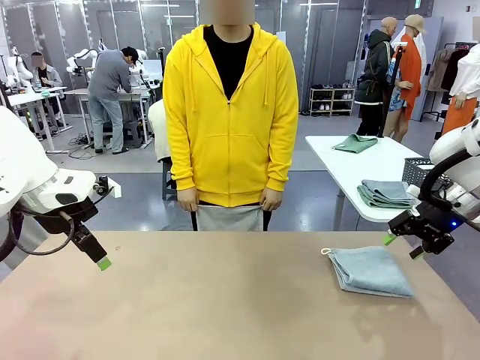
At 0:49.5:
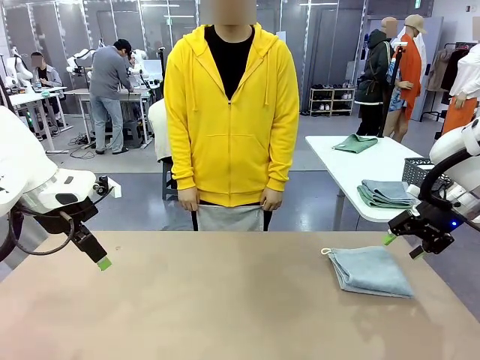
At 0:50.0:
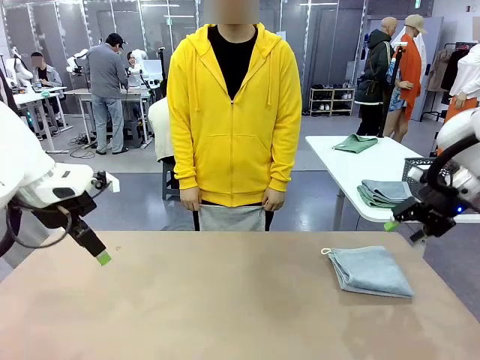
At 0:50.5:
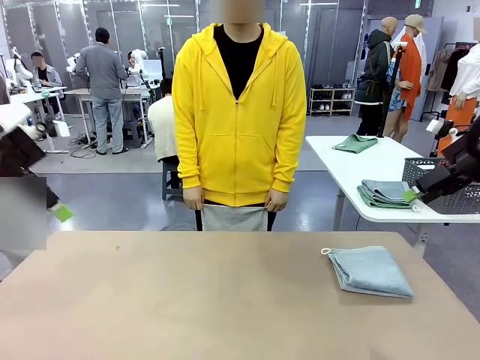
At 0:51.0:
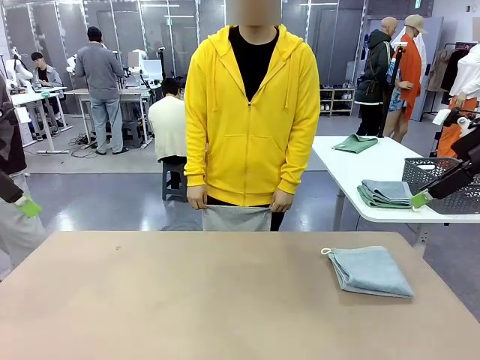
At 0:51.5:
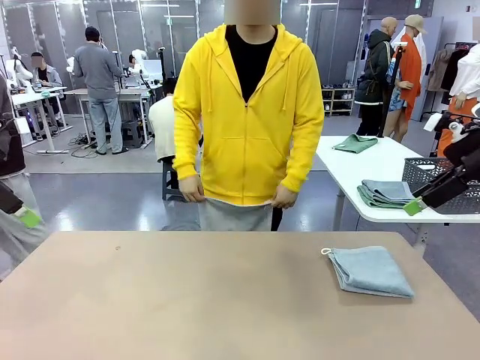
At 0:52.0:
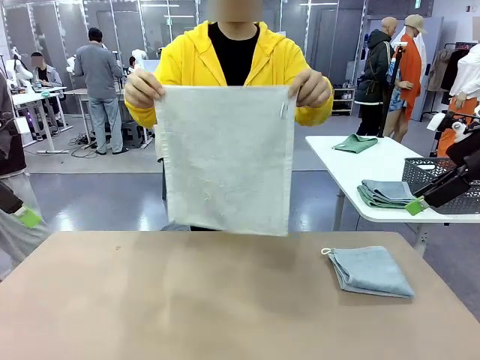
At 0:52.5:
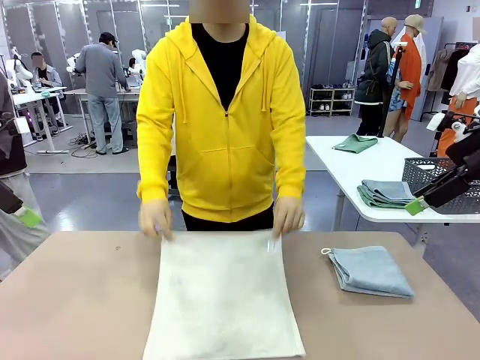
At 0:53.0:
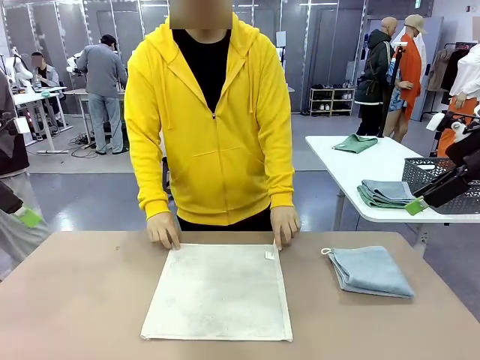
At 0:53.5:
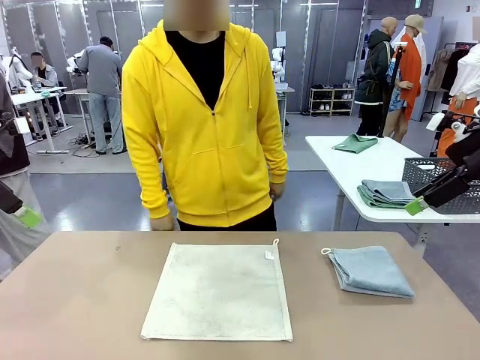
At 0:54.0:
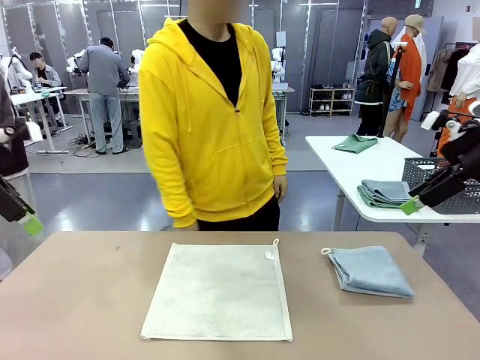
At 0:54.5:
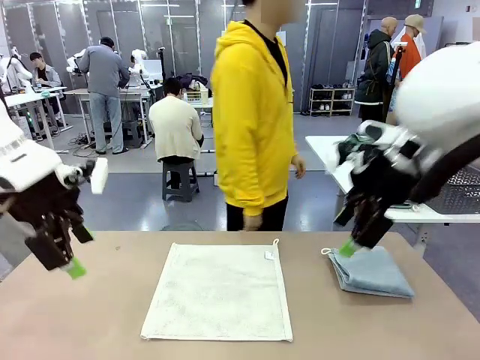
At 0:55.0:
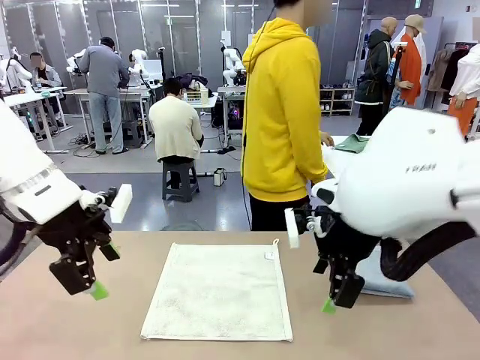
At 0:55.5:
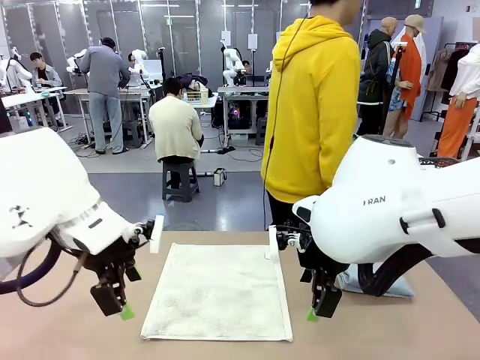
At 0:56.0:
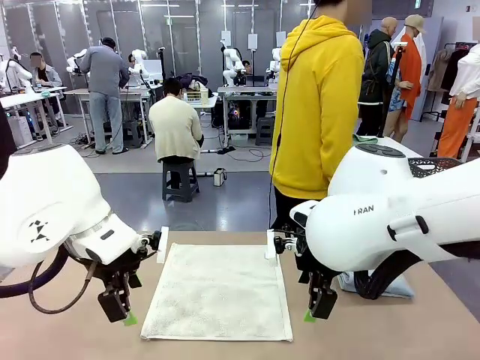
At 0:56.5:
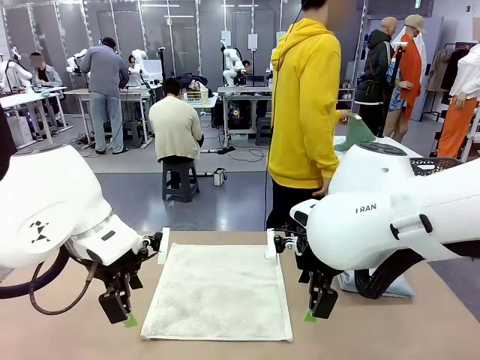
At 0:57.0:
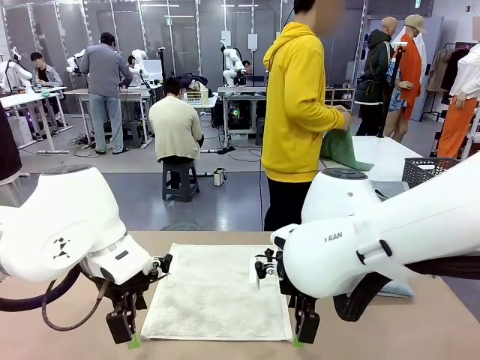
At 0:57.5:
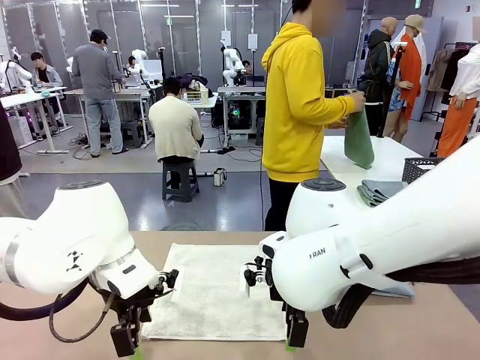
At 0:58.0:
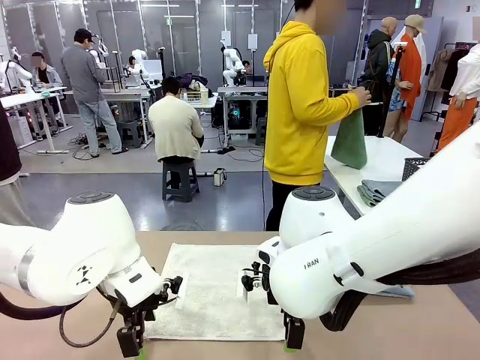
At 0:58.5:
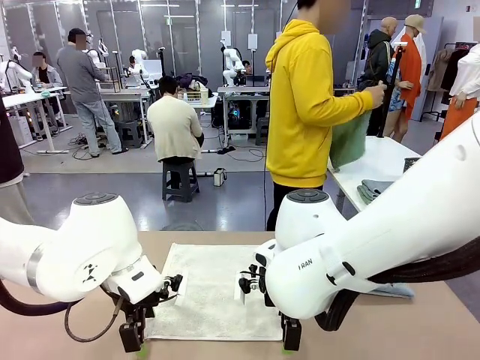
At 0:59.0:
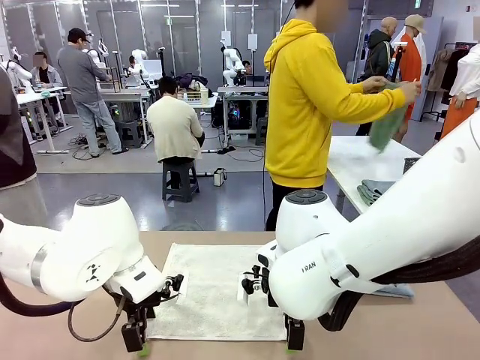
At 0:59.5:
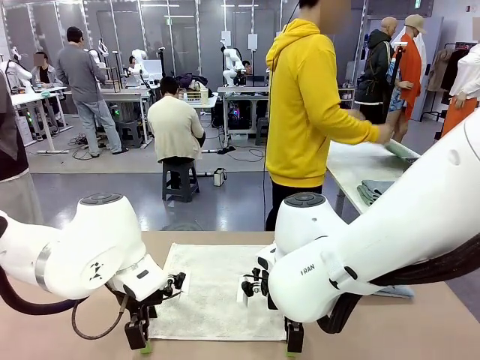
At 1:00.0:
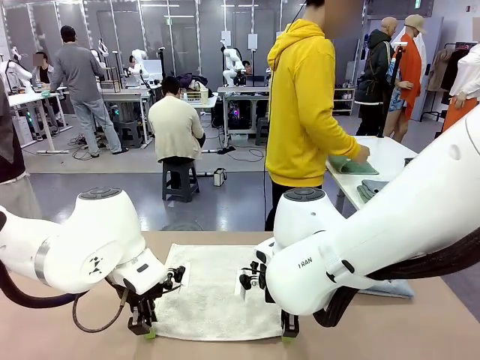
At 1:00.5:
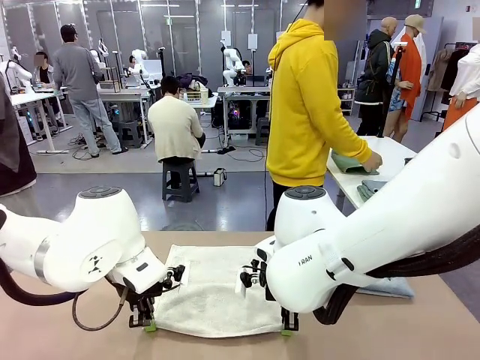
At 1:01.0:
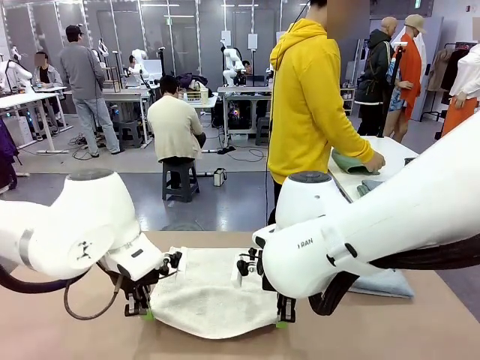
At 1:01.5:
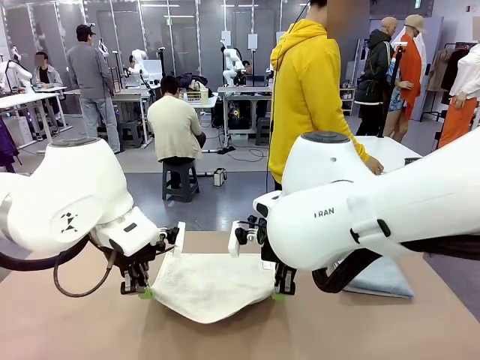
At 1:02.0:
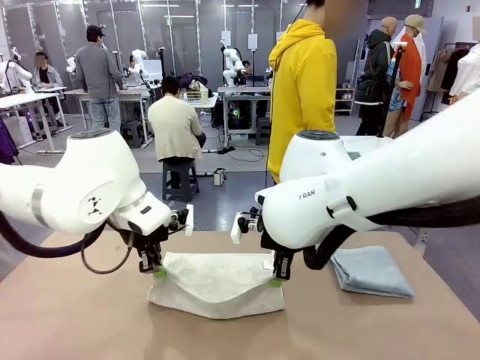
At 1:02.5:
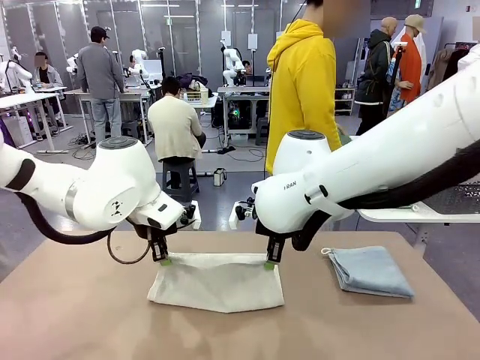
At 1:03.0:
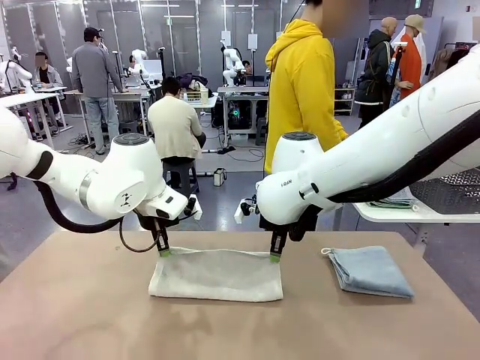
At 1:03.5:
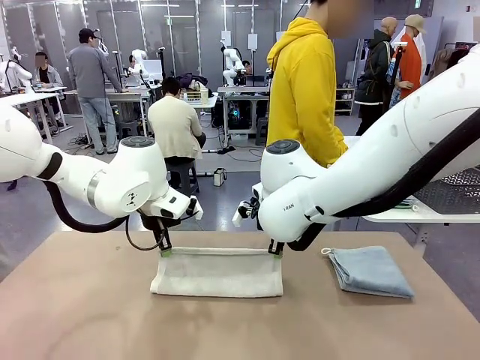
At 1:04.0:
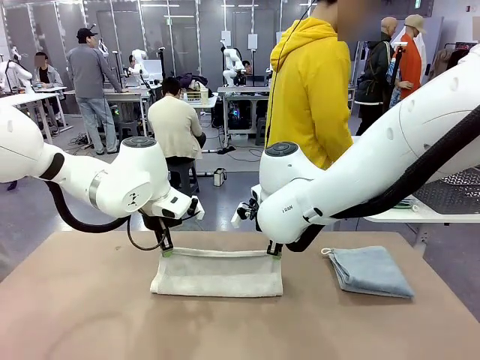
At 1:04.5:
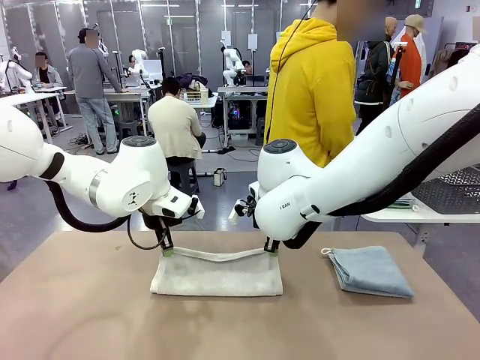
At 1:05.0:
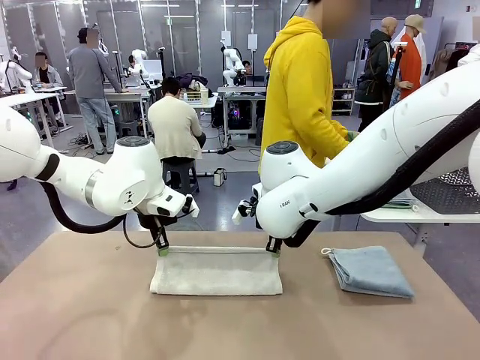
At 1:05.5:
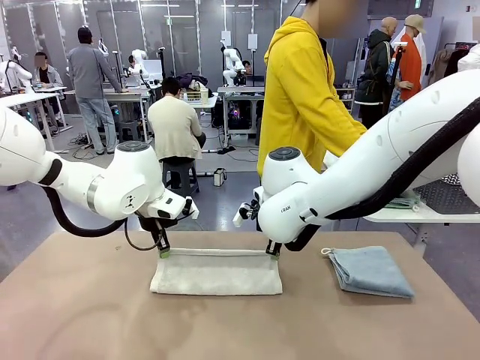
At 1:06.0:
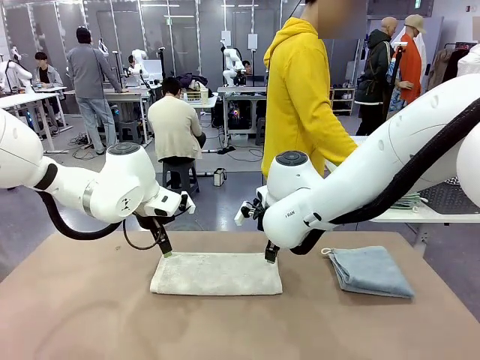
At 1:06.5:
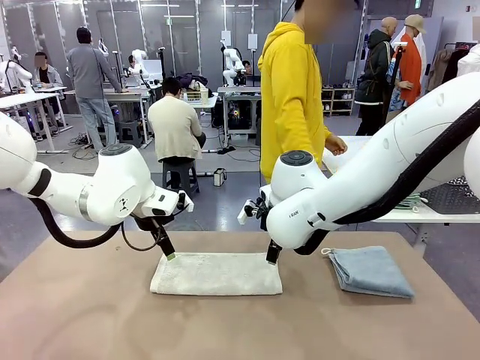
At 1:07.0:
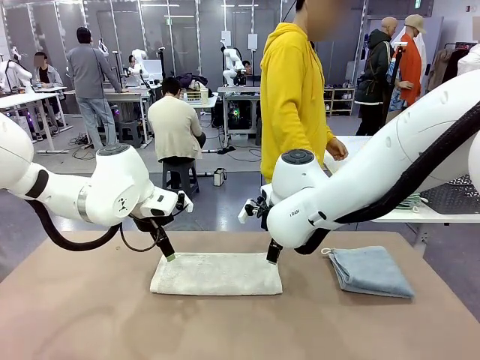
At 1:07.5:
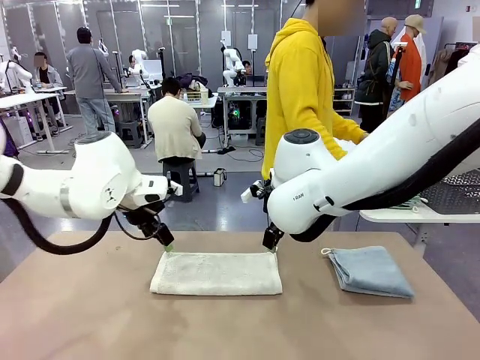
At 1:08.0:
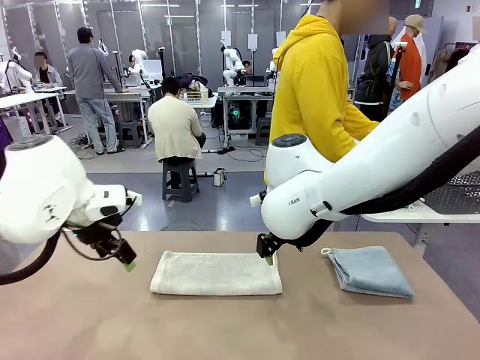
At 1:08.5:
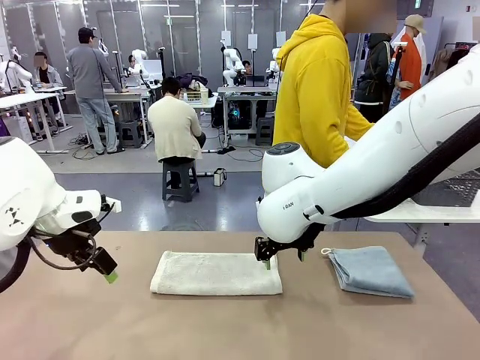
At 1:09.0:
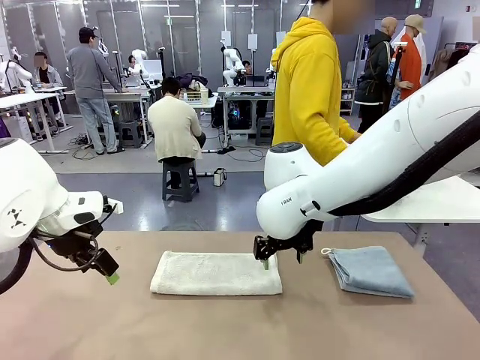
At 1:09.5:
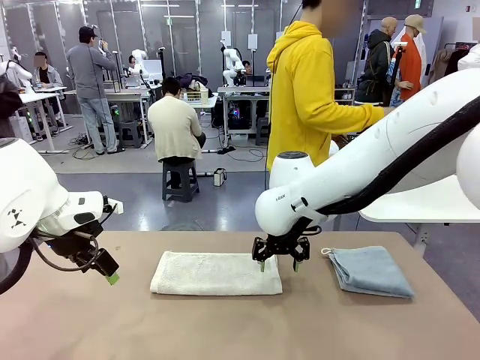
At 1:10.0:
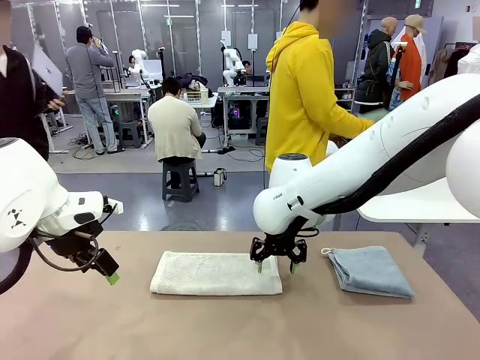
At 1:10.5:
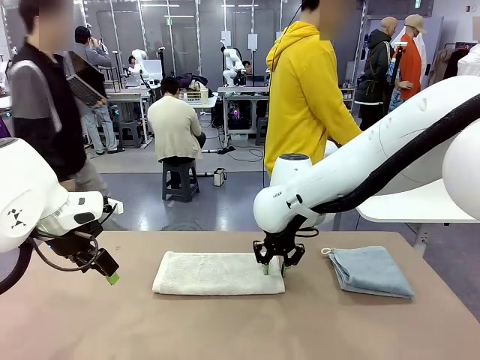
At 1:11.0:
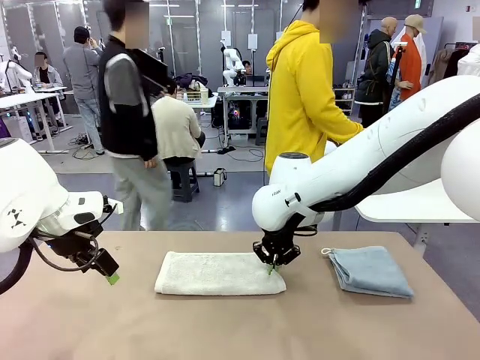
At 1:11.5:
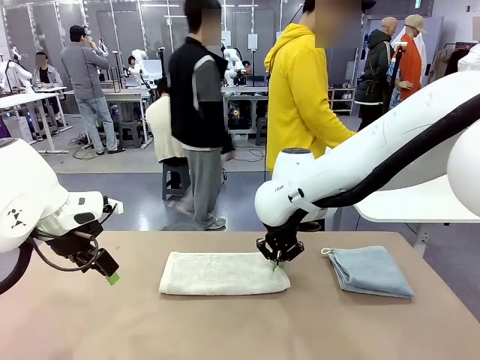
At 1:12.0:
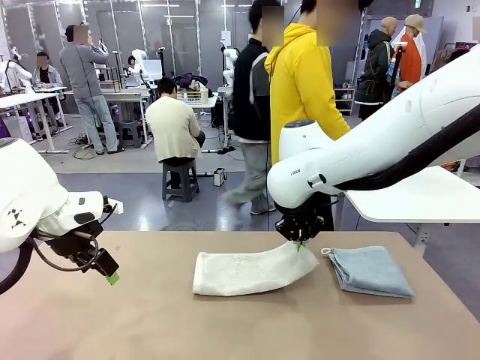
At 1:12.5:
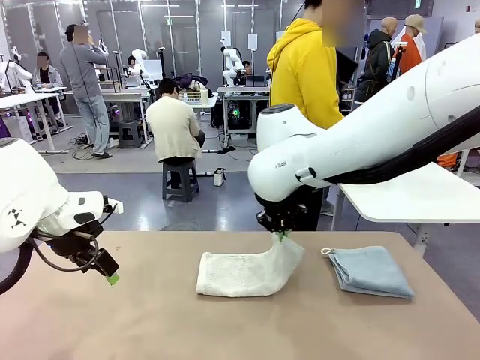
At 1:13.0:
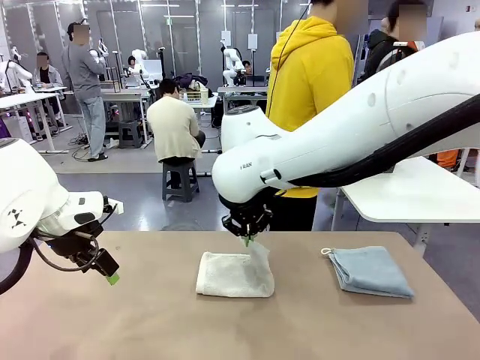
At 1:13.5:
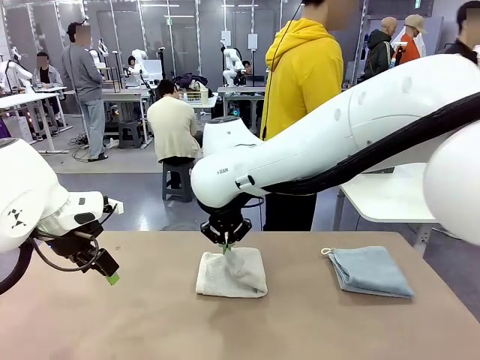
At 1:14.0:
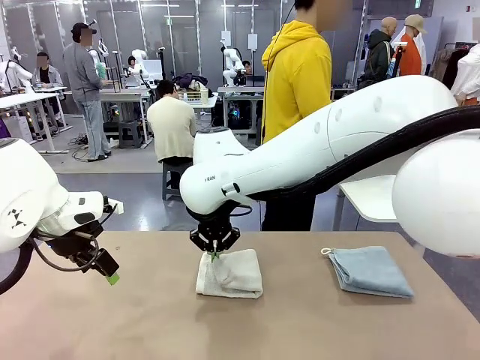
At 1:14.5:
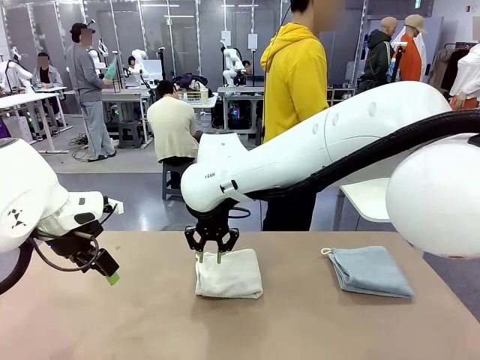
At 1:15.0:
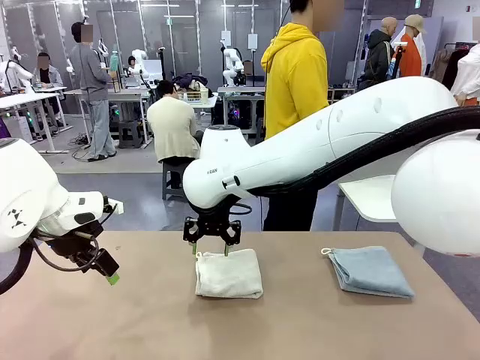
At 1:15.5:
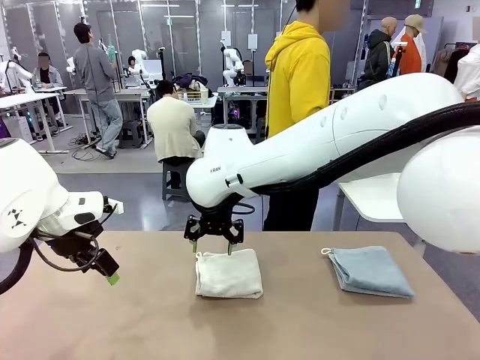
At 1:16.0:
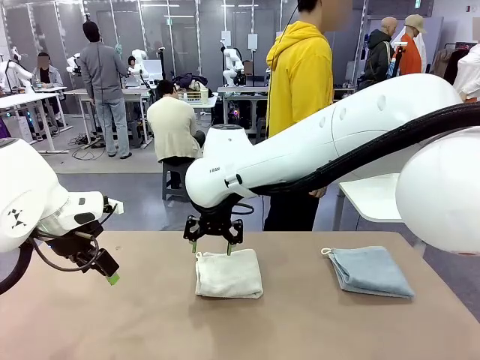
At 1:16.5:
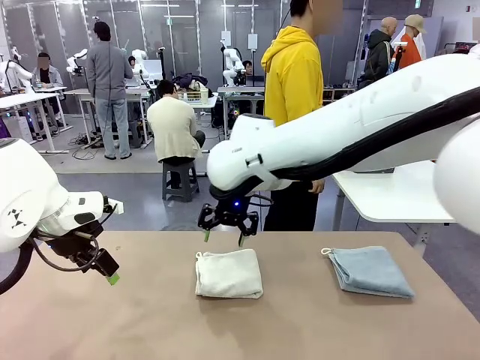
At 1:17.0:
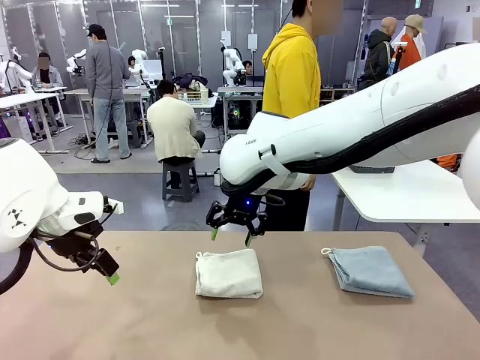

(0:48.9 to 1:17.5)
Task: Fold the towels and place them in the basket.
Robot: When a person lays out a Towel with hook on the table, fold it in half twice.
Person: Pick up one towel from the left side of the human table, fold it in half twice, and stack it on the right side of the table. Pick up the stack of towels from the right side of the human table, place it into the basket, and put the basket at the center of the table.
